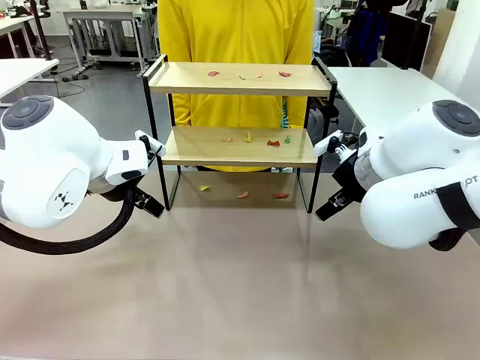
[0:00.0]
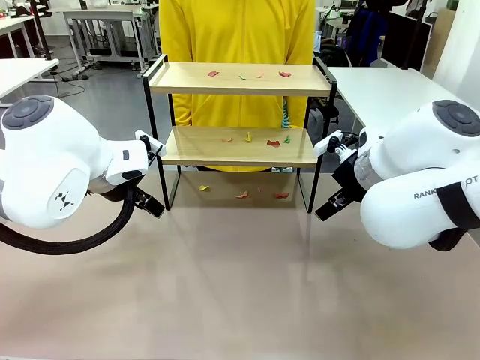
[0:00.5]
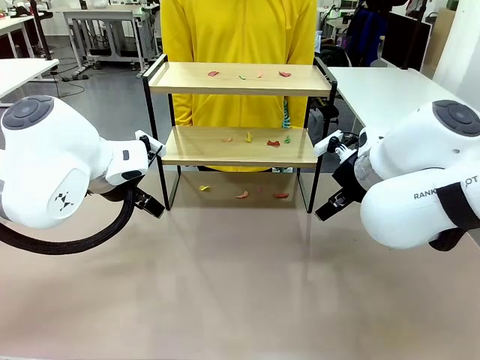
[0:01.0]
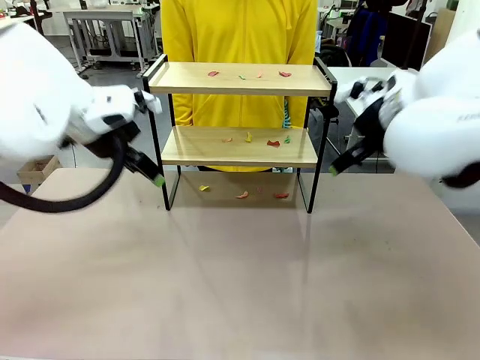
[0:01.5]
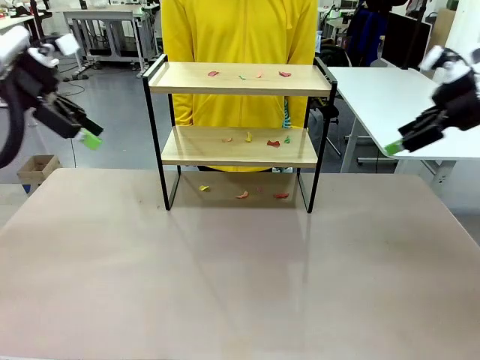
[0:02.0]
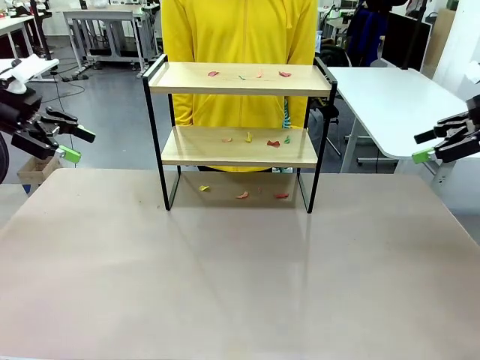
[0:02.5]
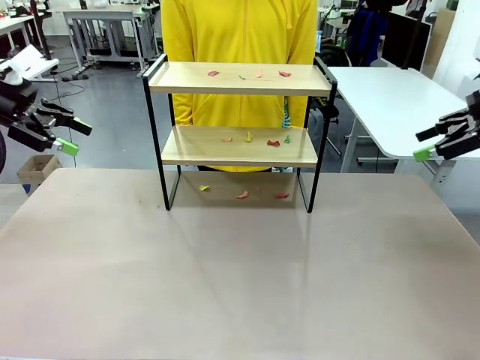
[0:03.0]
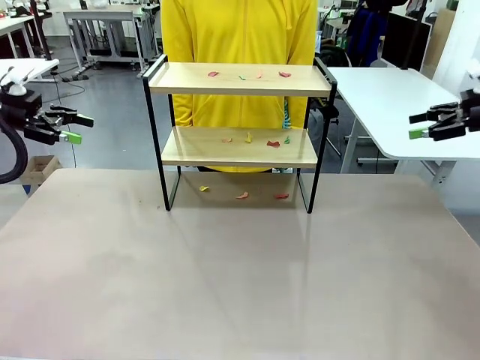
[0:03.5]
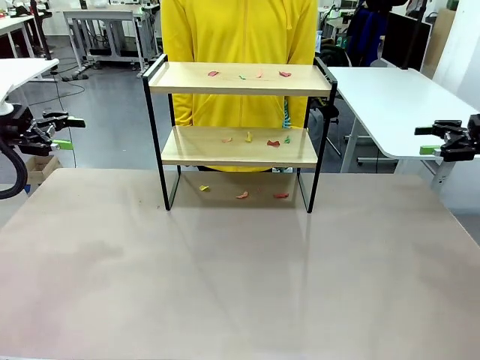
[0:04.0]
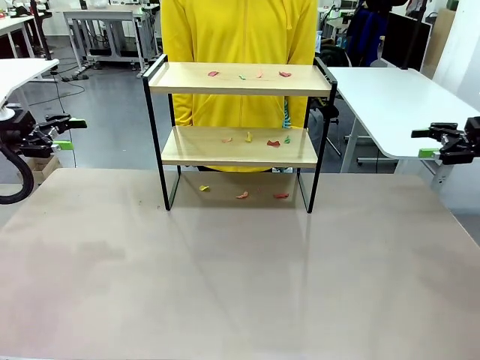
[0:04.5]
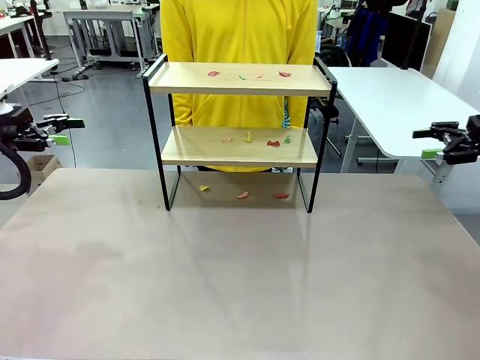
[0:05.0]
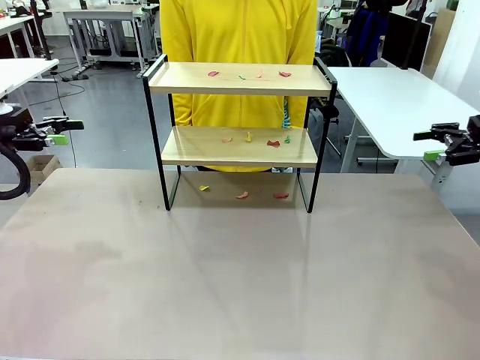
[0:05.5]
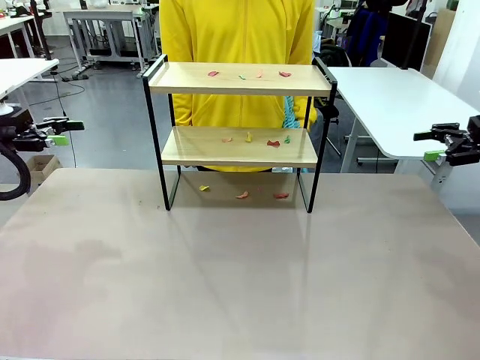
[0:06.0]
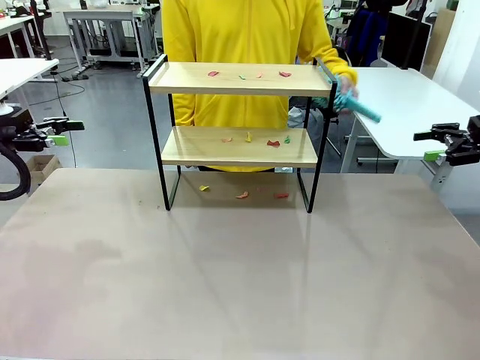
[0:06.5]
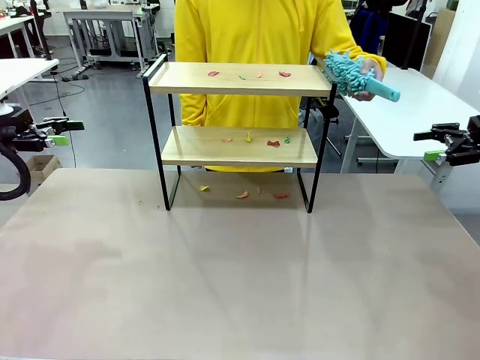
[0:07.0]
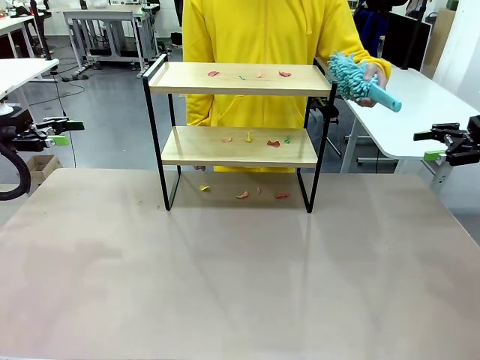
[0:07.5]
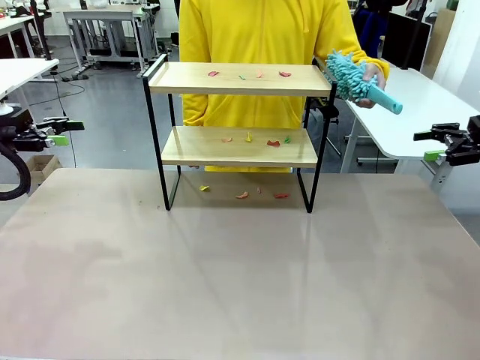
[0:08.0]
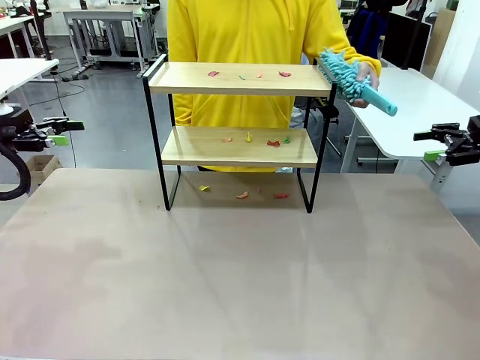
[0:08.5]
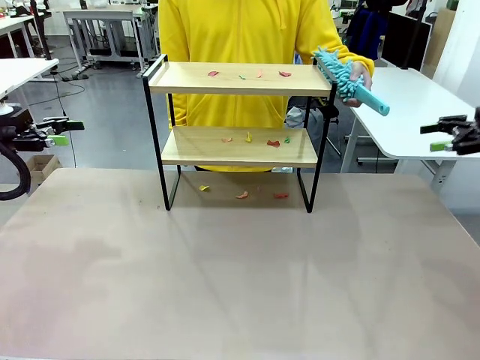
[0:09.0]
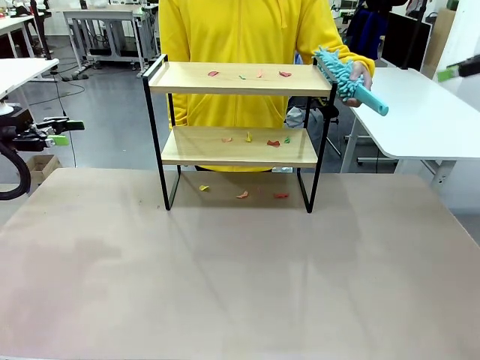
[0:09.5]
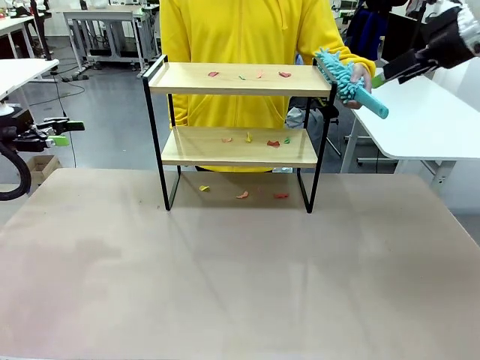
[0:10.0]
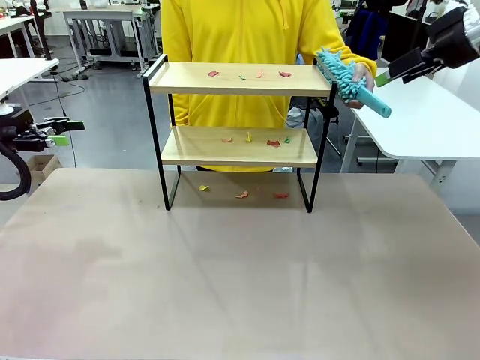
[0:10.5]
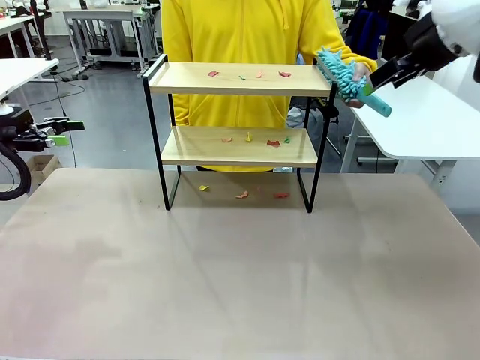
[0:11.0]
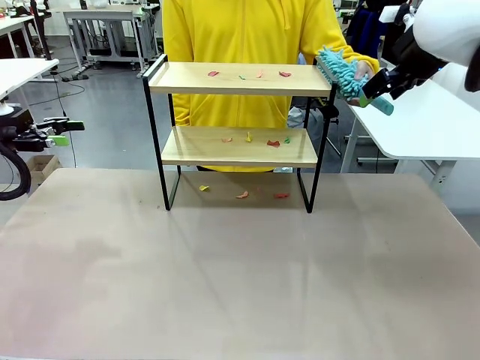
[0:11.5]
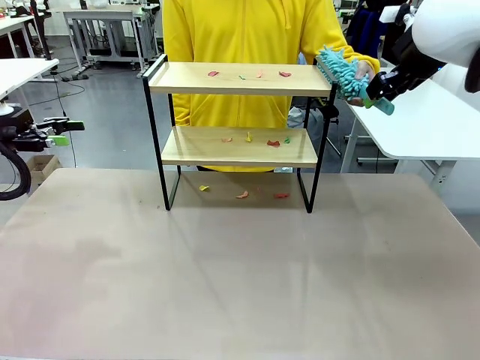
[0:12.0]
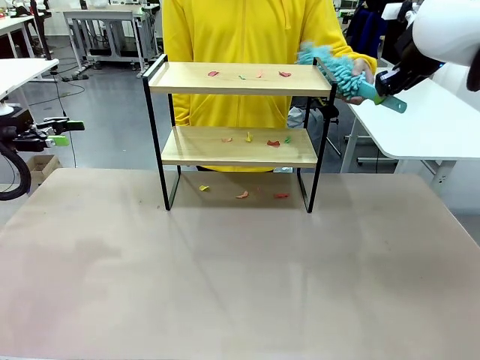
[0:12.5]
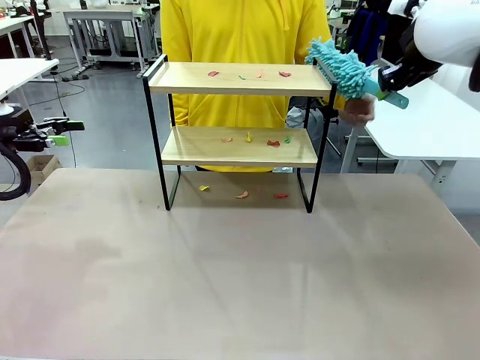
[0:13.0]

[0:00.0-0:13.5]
Task: Clean the shelf.
Robot: Pick up the Duster handed by the human.
Person: Hand the Duster to the robot.

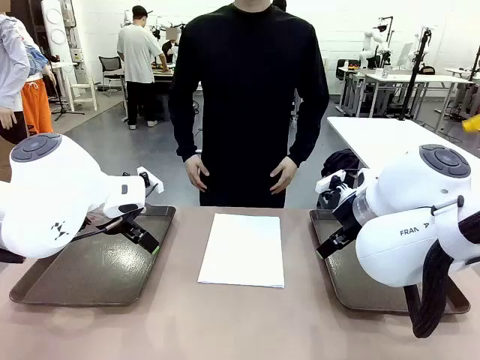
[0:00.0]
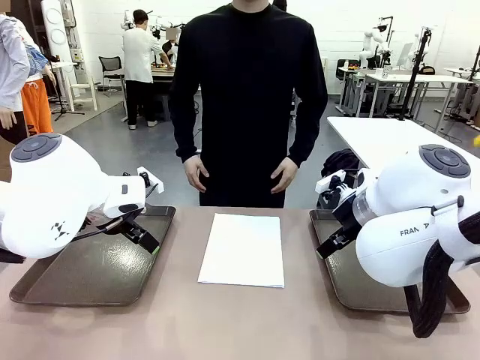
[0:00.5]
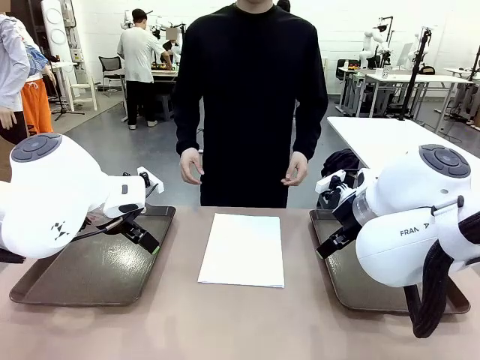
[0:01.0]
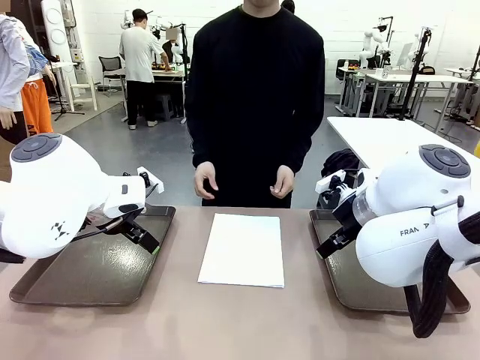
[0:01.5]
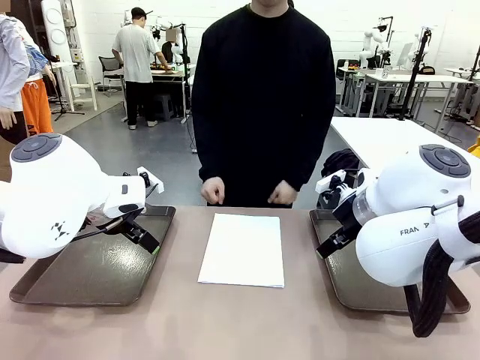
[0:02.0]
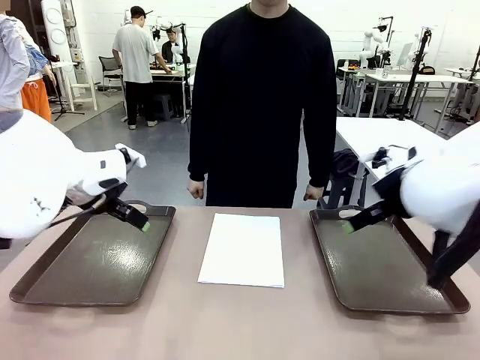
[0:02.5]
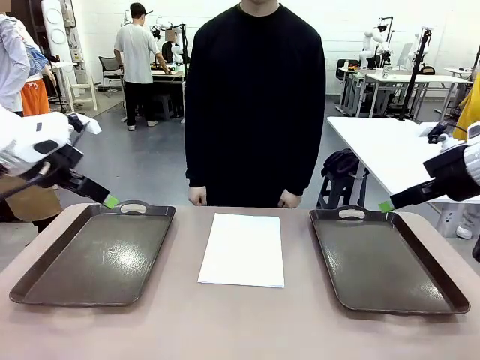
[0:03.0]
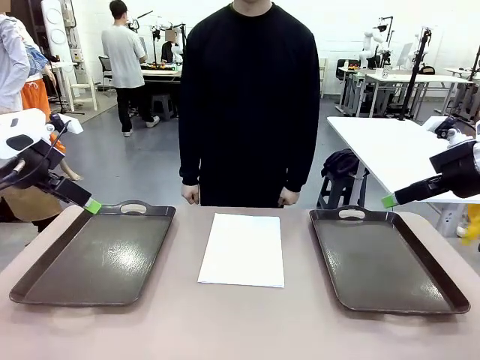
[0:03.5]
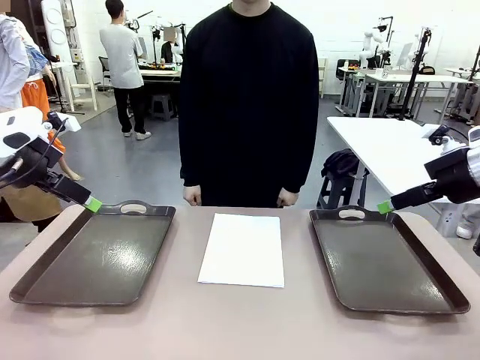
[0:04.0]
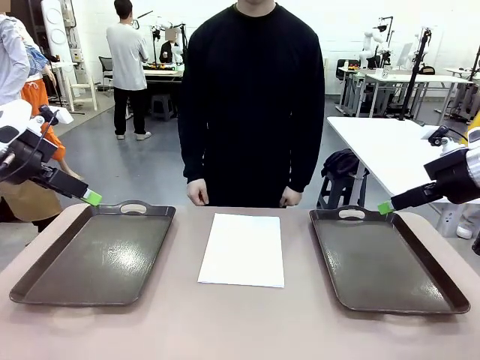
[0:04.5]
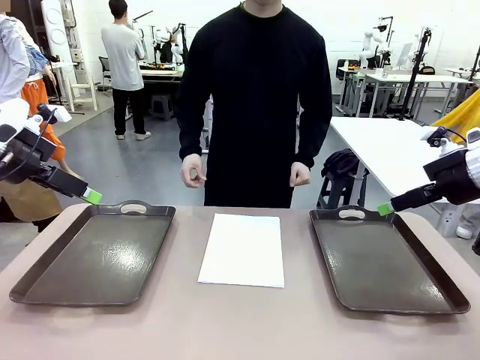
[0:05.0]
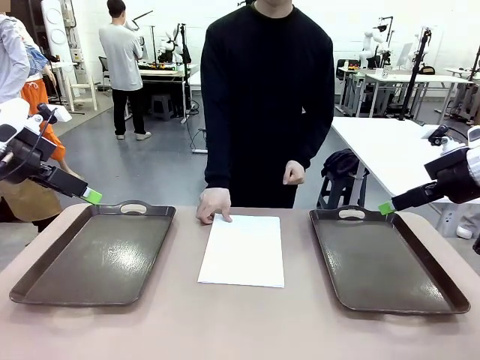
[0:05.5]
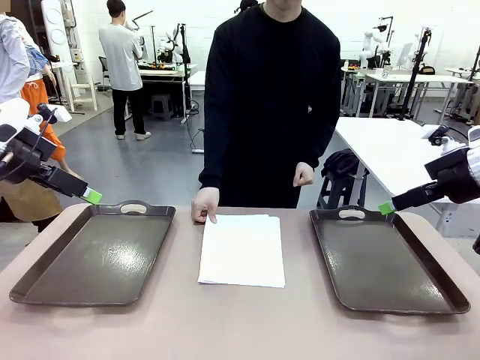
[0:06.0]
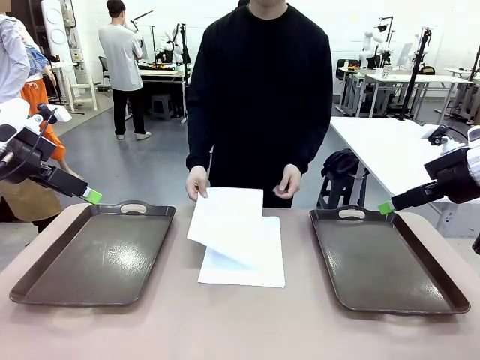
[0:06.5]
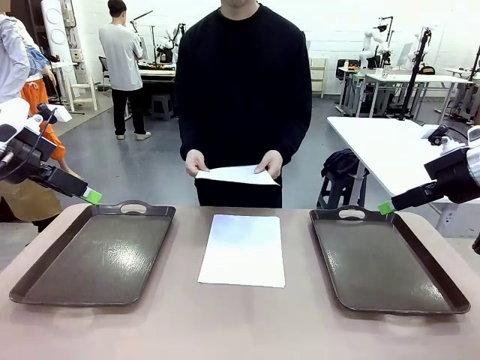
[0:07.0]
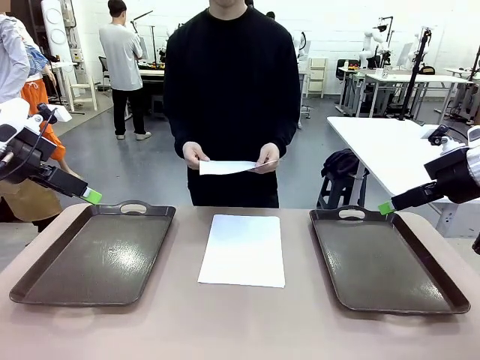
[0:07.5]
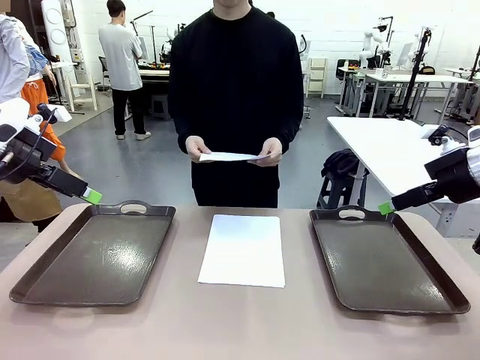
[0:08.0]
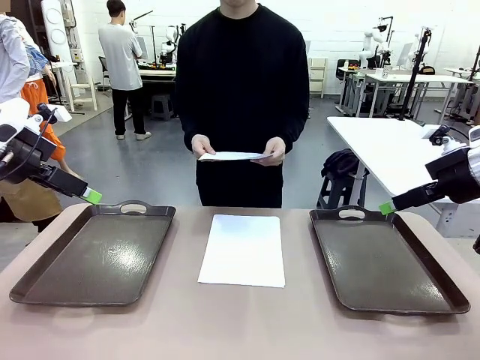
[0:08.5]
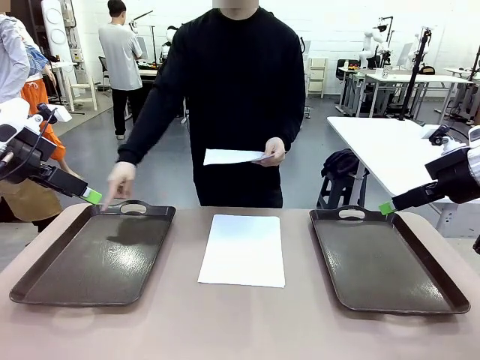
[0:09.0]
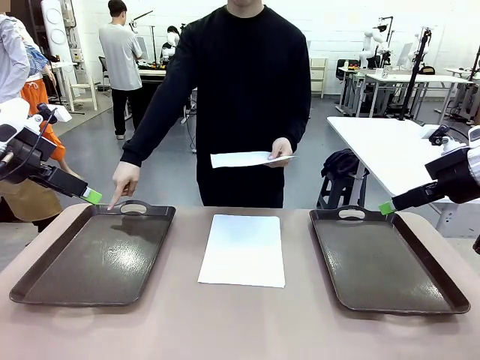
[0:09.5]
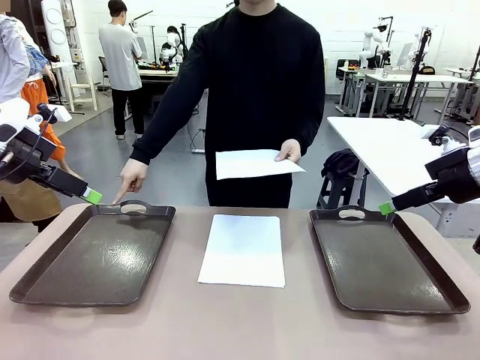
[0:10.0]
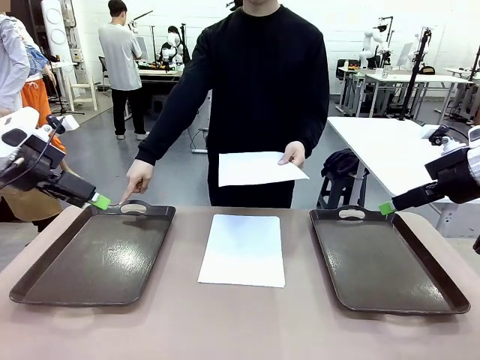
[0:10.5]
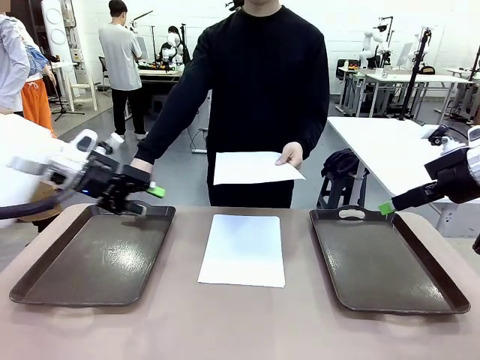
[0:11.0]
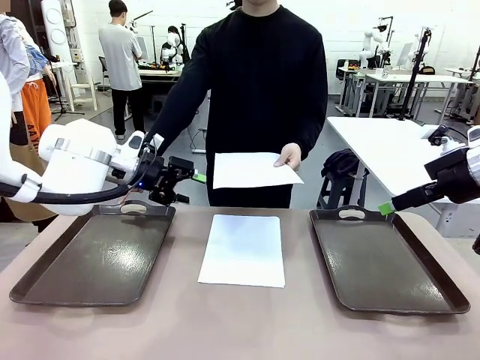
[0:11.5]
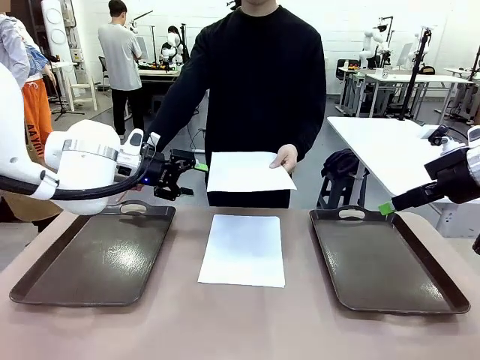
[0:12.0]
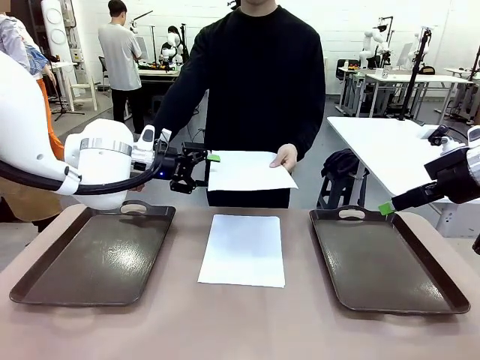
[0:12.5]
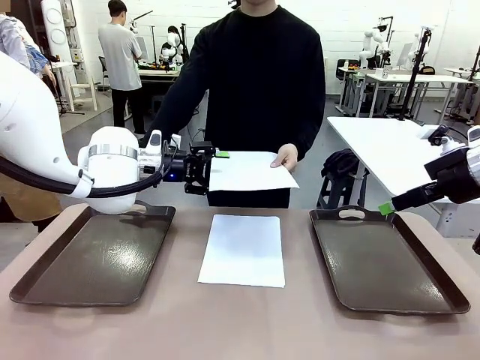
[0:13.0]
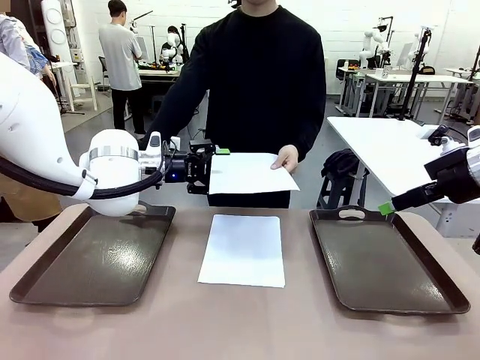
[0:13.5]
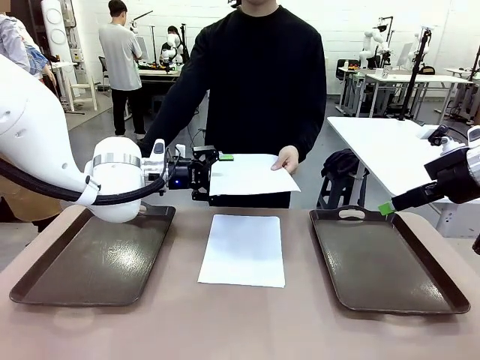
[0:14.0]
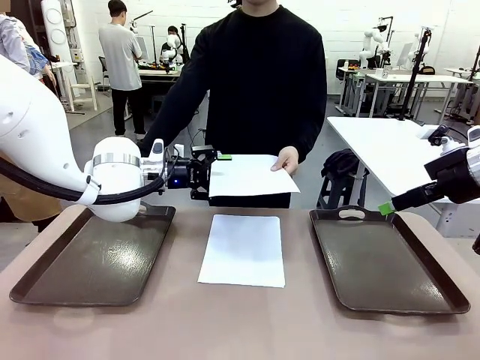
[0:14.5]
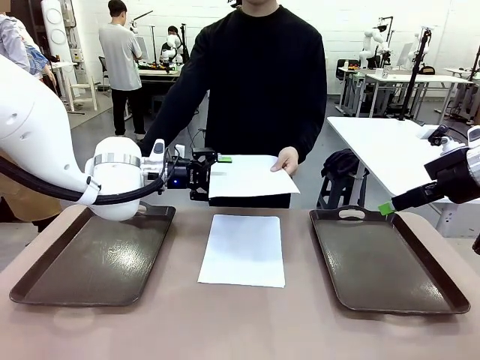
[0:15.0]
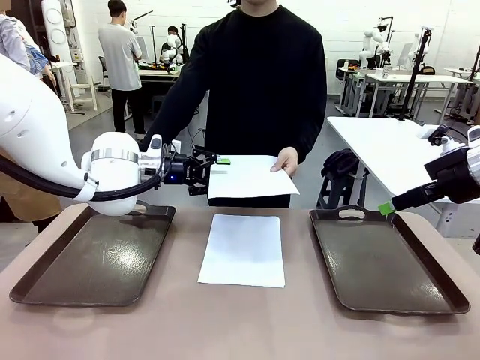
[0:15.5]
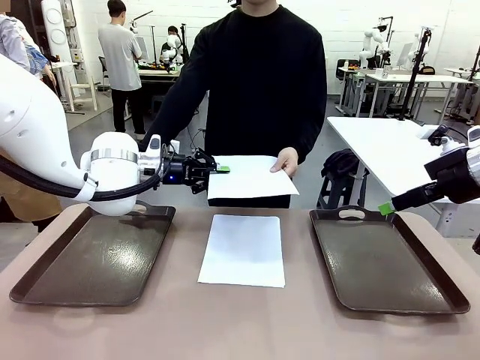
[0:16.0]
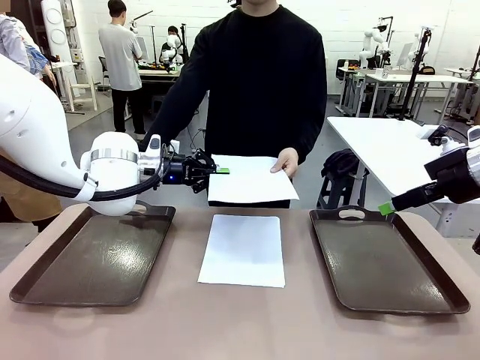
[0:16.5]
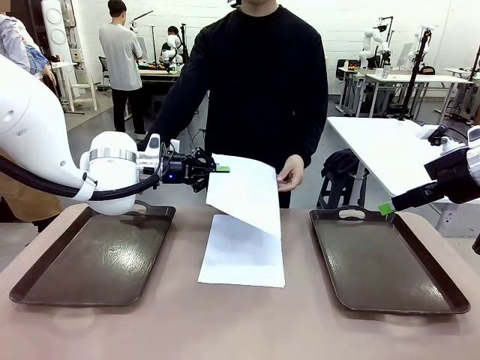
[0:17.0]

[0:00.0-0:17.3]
Task: Sort the A4 documents.
Robot: Receive the A4 Paper.
Person: Pick up a sheet of paper from the center of the table and hand it to the robot. Point the randomly selected tray with the other hand.
